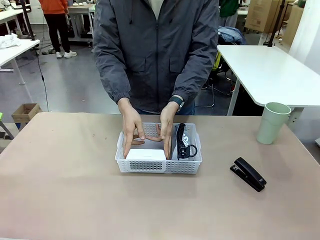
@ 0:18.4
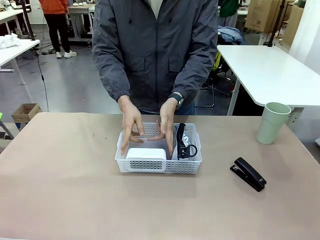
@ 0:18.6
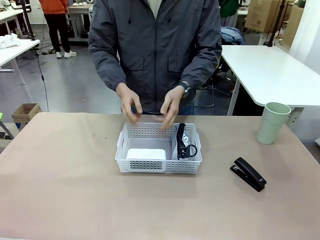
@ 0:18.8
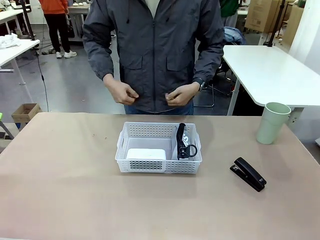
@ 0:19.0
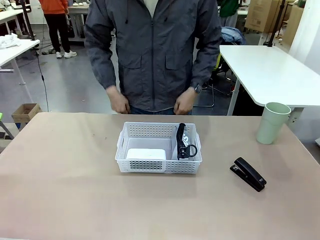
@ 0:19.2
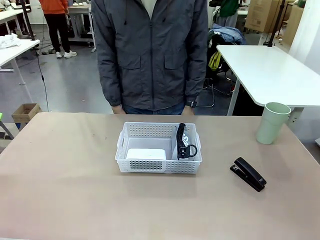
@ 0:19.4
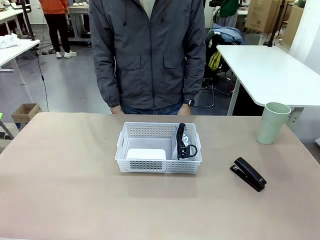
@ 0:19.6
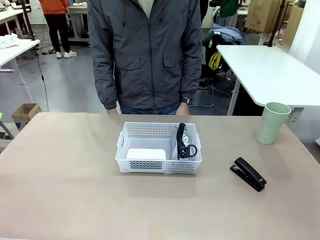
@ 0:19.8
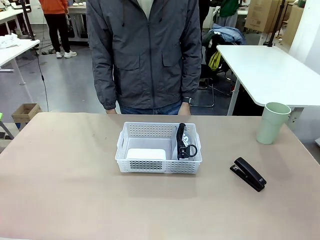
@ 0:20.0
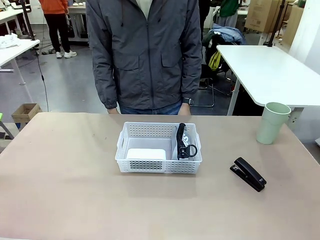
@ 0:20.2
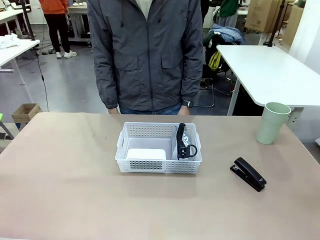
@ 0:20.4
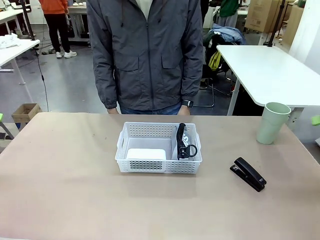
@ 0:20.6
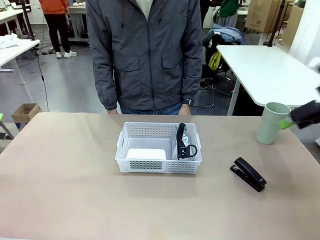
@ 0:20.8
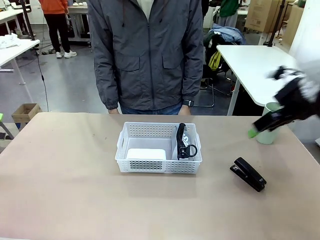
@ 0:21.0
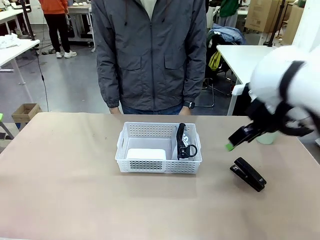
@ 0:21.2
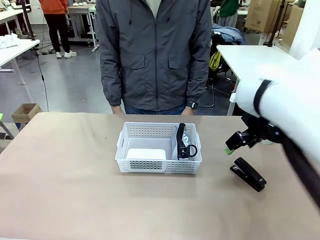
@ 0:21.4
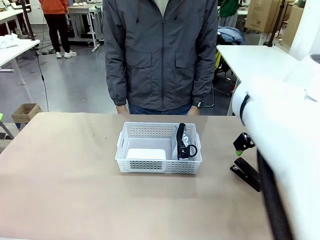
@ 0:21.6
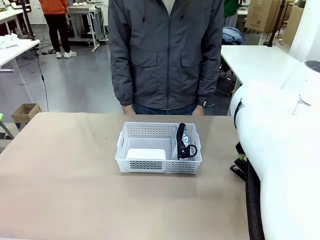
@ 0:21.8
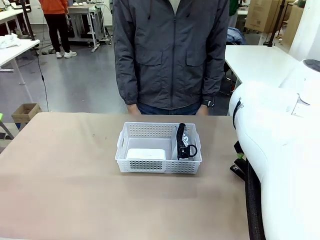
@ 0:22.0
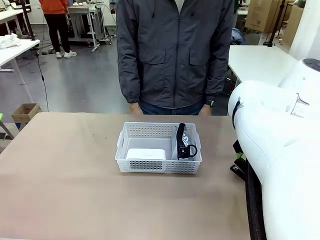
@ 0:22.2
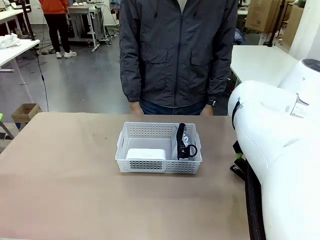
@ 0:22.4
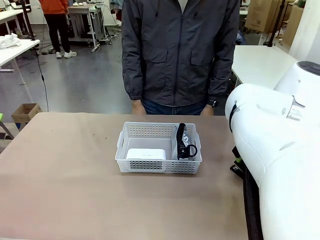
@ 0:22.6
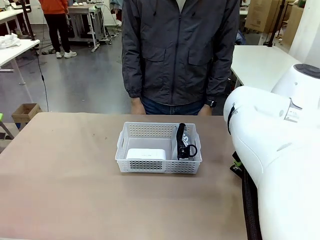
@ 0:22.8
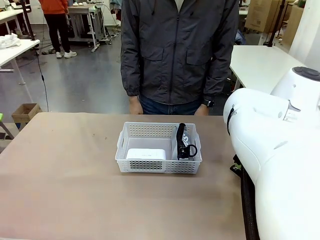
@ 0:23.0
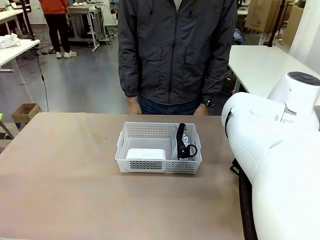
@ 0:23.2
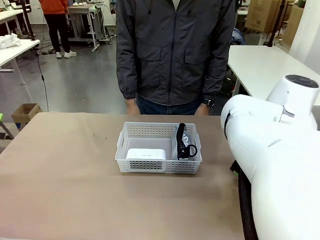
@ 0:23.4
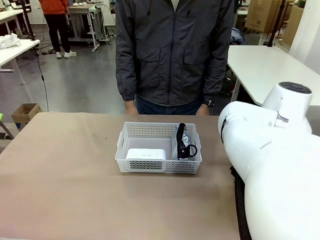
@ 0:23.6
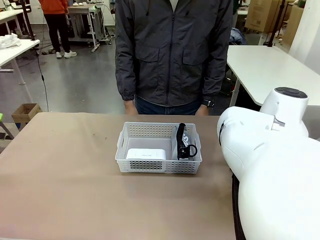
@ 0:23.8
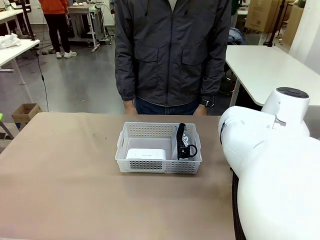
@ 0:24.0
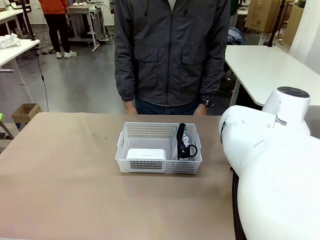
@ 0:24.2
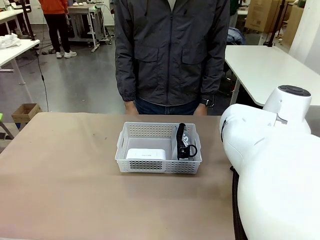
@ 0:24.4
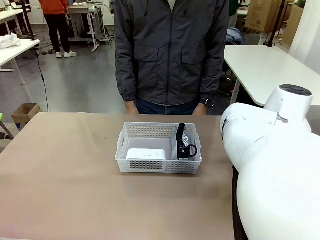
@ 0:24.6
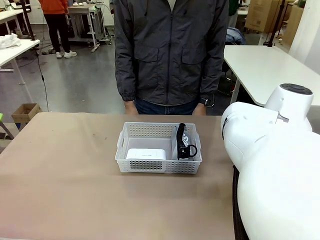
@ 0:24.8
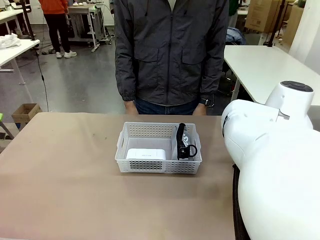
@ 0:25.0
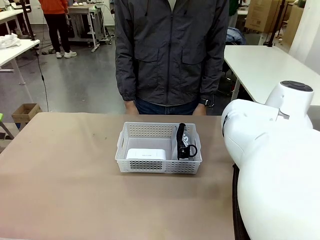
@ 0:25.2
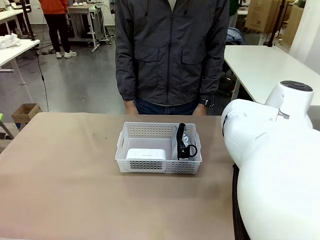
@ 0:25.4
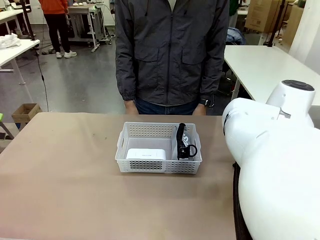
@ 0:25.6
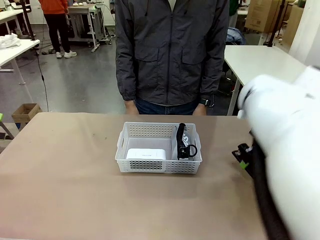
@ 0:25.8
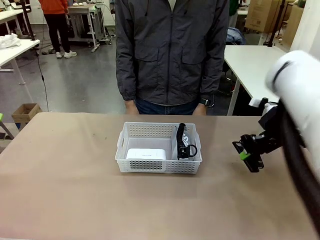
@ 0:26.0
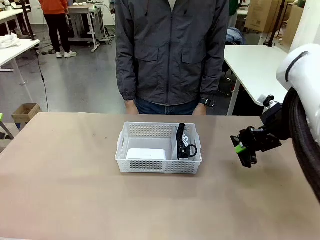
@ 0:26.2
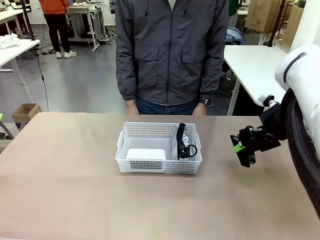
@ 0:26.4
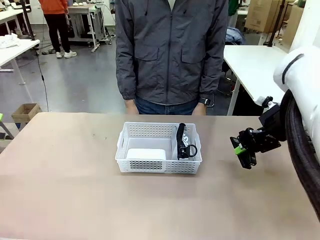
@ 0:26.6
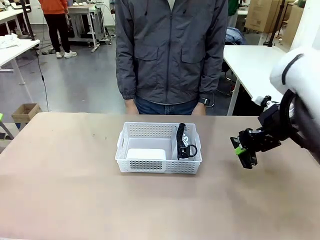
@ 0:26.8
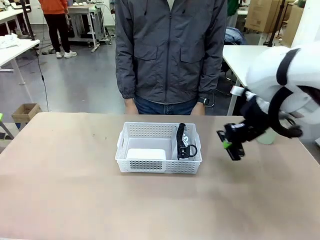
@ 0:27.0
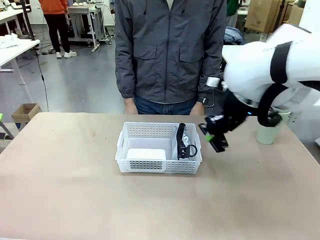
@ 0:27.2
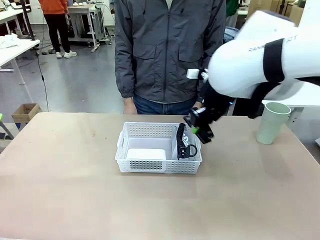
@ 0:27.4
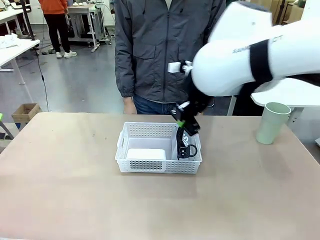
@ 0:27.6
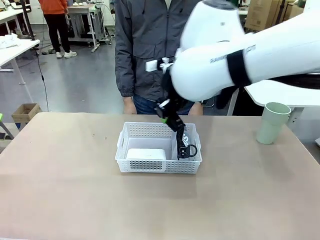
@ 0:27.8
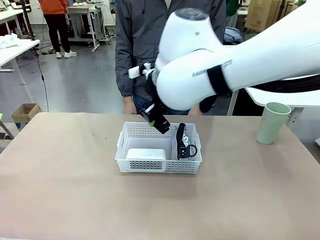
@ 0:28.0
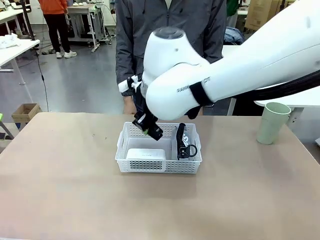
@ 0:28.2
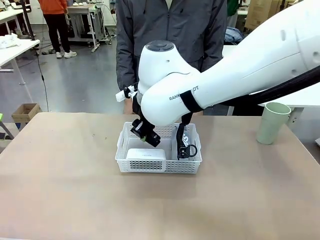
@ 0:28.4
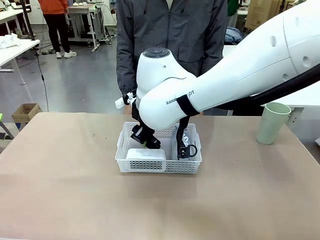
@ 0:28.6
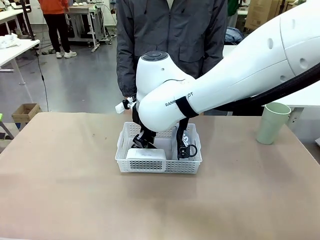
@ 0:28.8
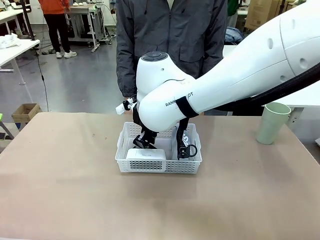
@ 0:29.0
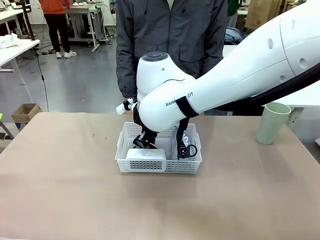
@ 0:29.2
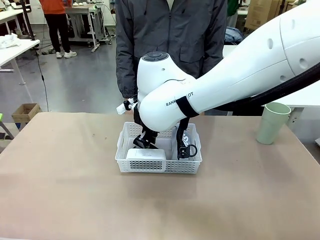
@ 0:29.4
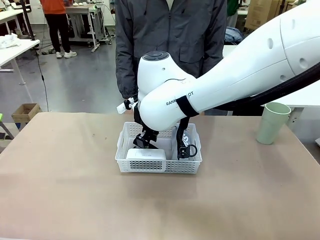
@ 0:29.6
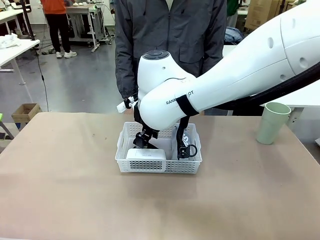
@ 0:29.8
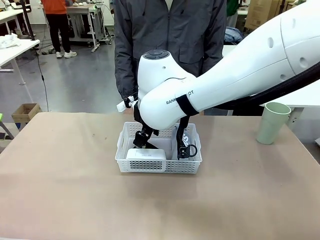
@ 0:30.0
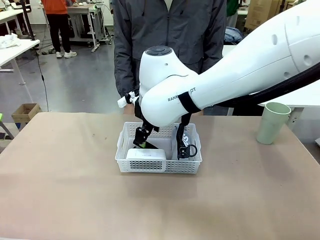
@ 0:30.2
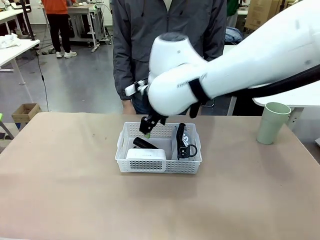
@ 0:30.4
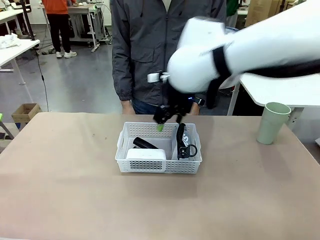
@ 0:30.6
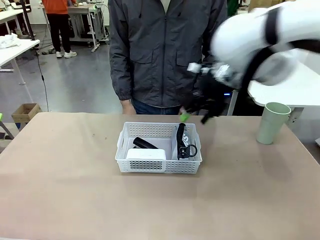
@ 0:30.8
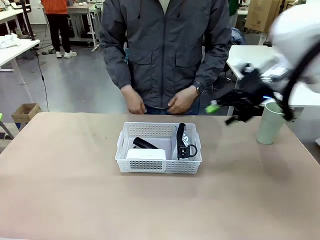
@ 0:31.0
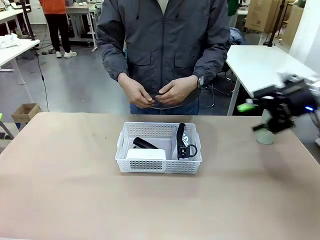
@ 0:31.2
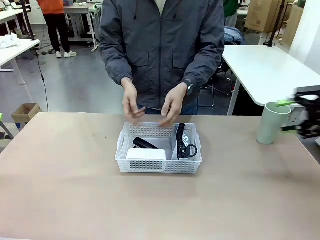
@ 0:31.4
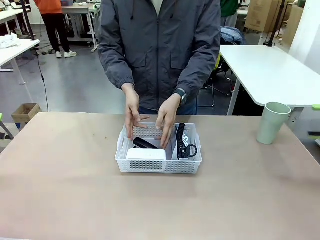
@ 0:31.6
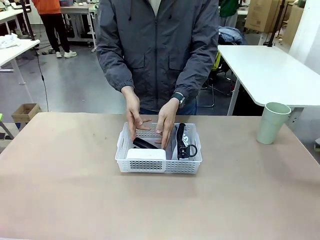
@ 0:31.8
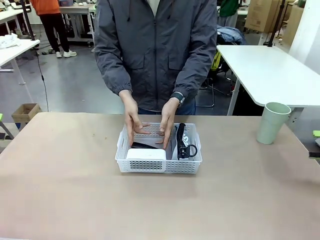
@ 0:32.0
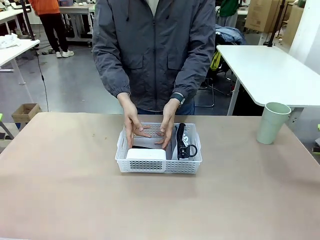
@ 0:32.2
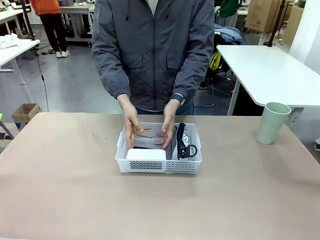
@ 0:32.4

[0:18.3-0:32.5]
Task: Efficiently arrange items inside the basket to fit them all.
Robot: Pick up the Stapler and place it inside the Organizing basket.
